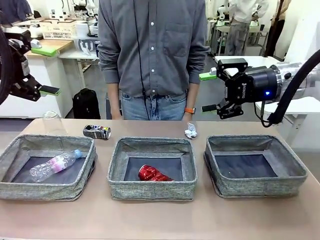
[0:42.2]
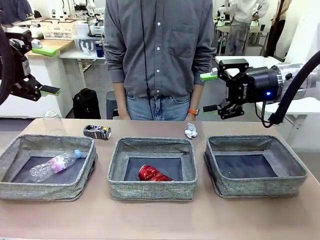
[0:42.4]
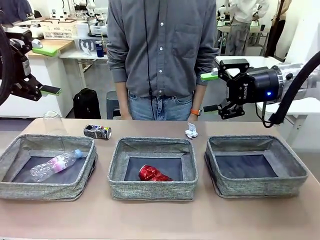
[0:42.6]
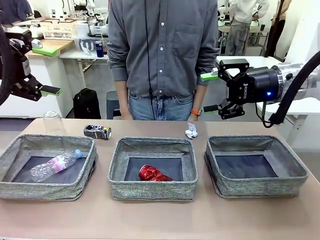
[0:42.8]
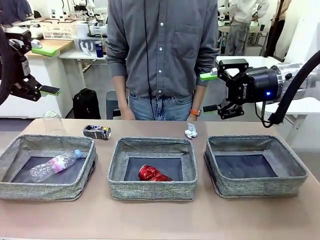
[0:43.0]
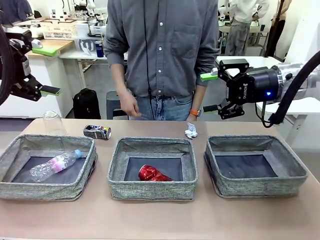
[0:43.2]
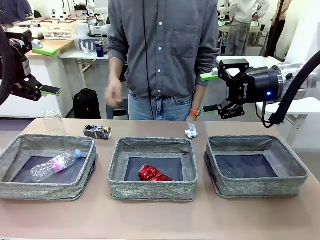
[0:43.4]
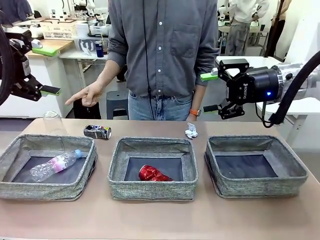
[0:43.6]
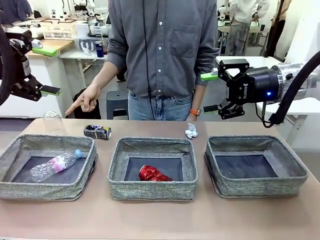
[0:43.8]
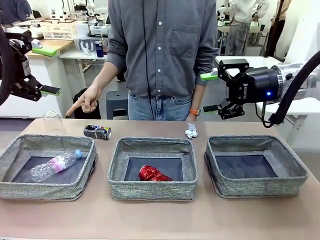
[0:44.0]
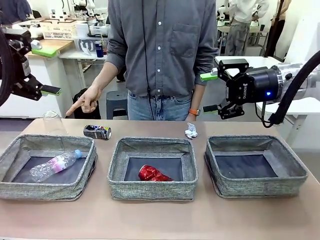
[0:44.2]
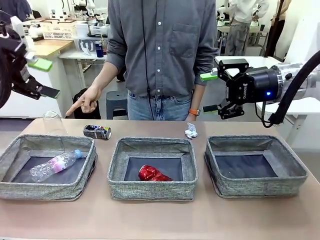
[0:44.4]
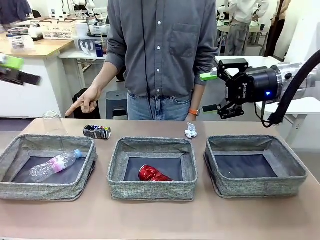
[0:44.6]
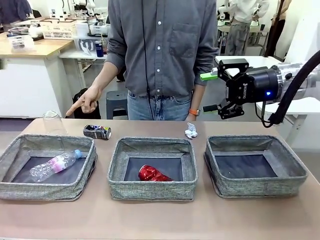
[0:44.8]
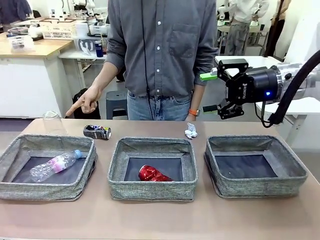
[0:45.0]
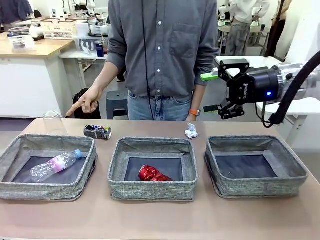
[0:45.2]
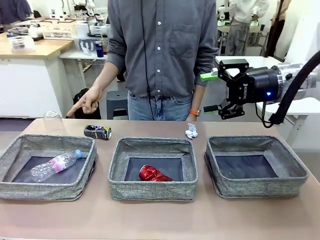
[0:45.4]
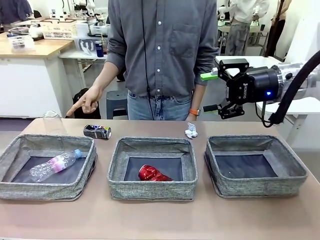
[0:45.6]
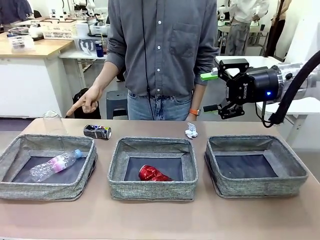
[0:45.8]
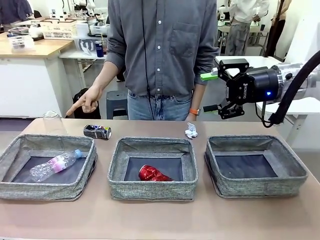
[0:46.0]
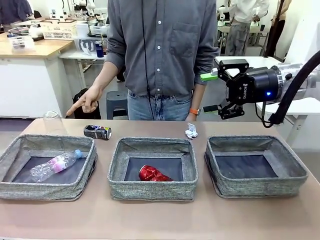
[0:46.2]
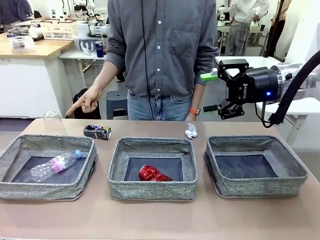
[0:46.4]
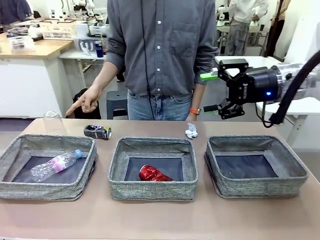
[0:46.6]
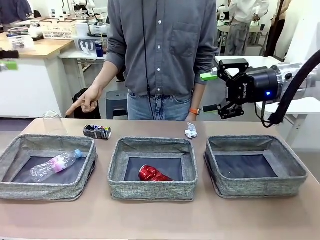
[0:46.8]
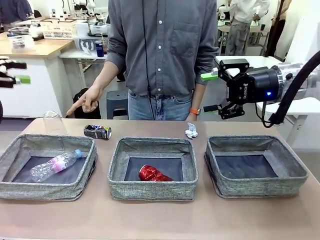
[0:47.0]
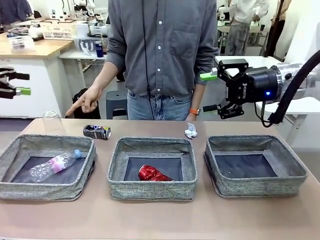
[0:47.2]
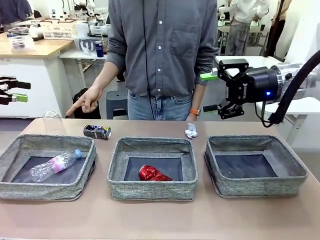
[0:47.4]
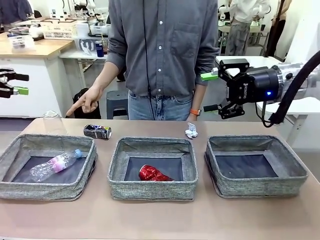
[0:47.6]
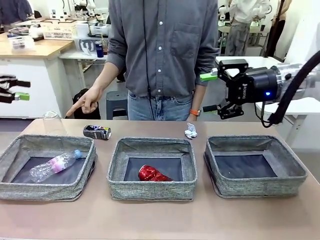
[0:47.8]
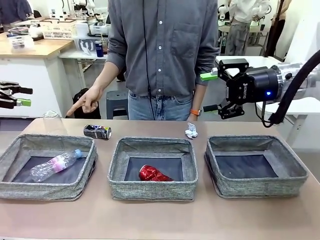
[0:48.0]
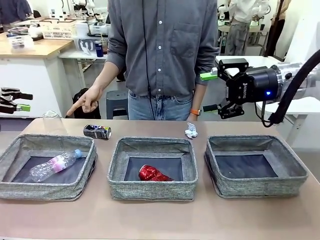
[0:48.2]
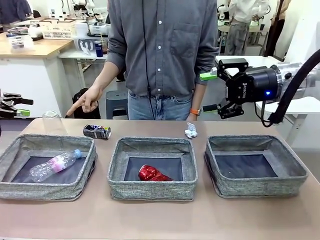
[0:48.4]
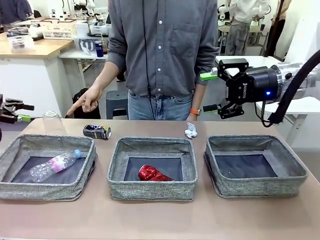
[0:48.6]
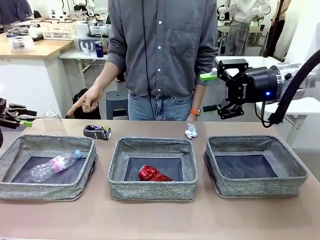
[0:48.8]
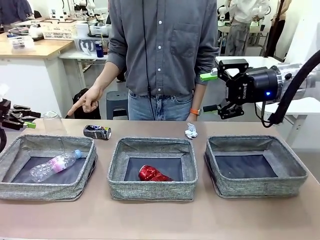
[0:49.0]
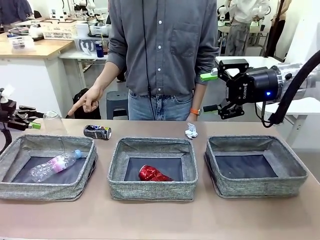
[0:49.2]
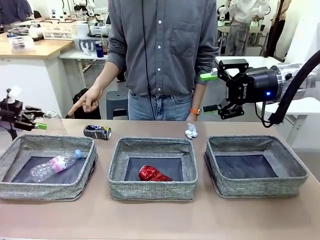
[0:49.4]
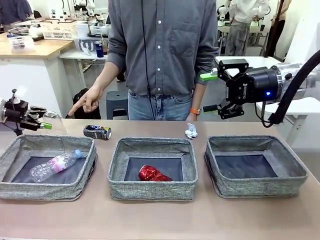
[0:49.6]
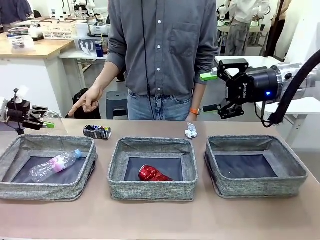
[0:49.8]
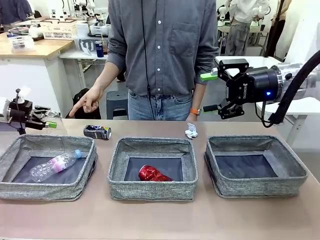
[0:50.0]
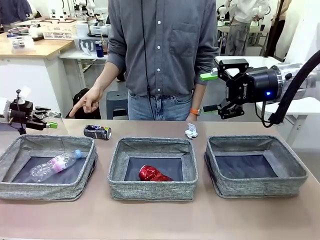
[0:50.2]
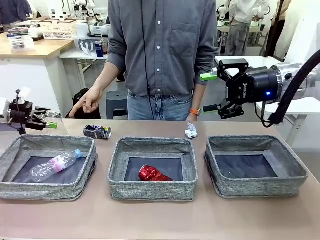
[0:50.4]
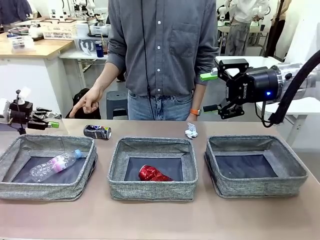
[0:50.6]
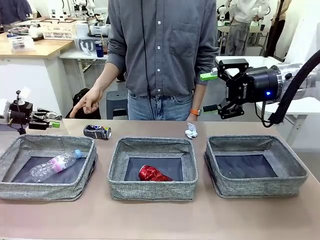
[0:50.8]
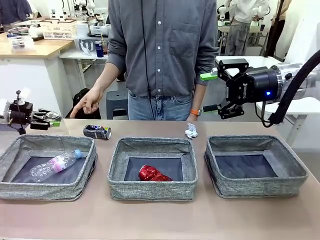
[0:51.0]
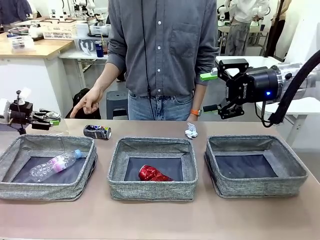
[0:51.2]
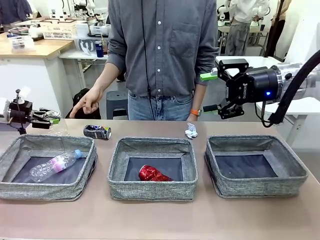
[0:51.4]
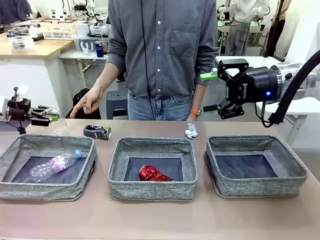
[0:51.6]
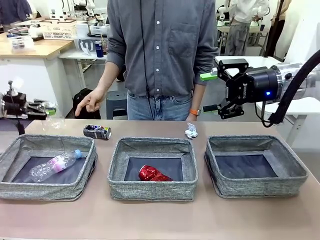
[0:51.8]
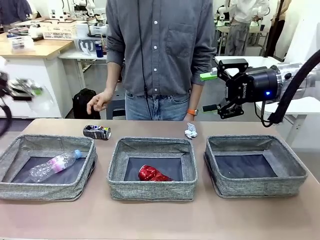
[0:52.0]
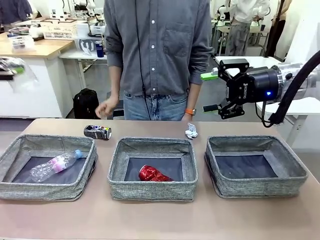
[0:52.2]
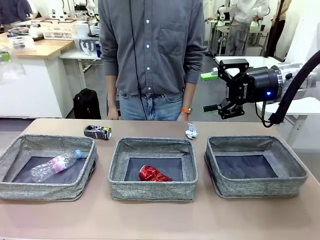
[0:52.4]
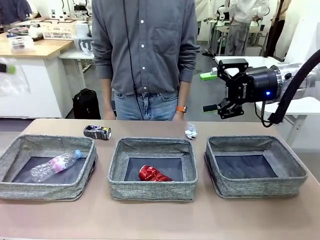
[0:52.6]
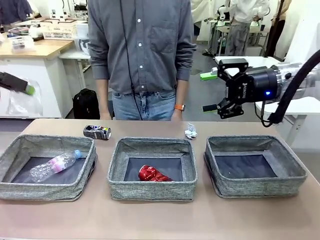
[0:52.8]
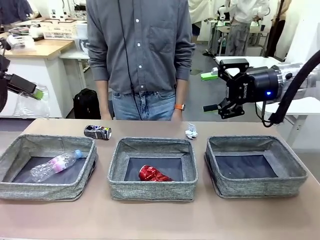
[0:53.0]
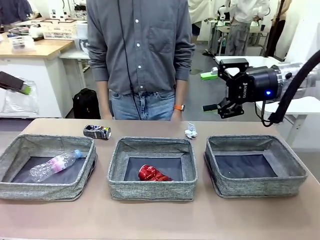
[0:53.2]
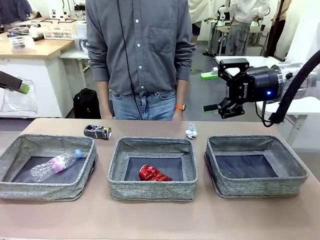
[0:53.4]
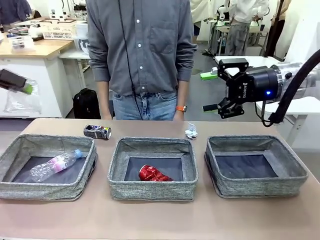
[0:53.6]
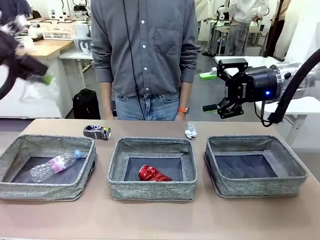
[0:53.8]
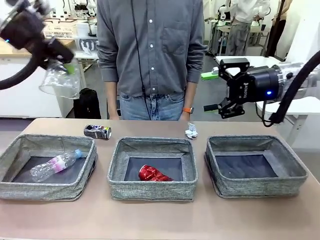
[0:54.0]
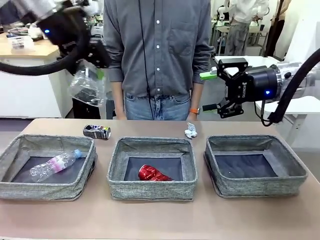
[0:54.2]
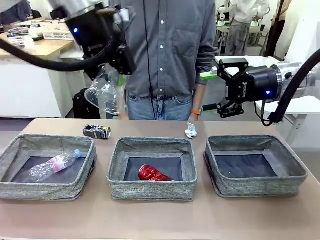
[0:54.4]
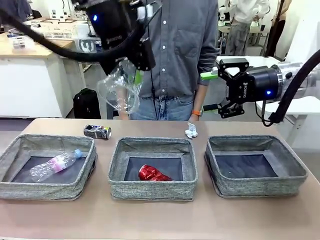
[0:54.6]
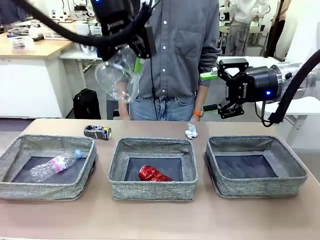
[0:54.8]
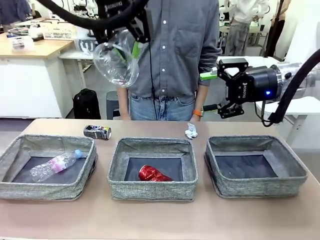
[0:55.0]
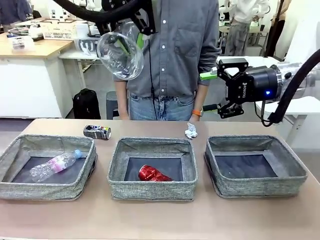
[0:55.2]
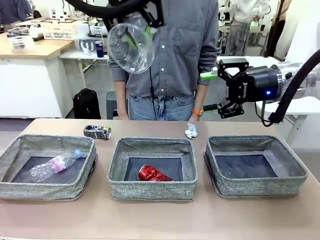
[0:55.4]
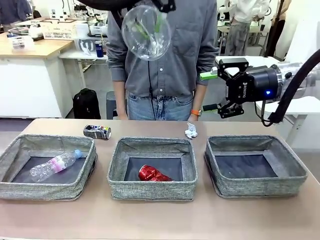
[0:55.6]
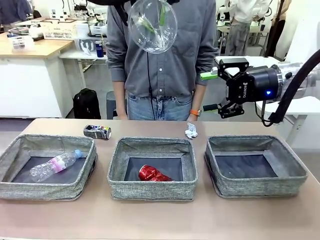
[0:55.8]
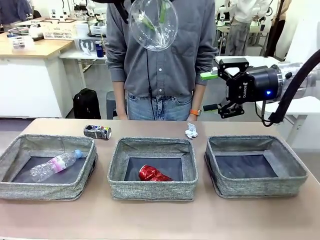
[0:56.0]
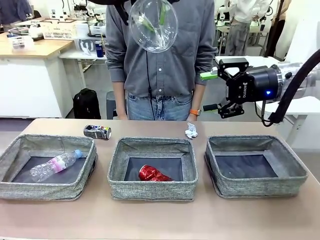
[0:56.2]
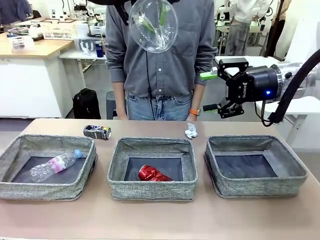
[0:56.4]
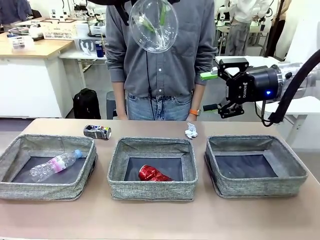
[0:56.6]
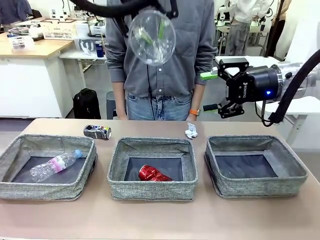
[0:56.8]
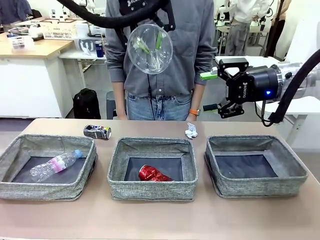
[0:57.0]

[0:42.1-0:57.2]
Task: Sort the waste into the appropriate baskets.
Robot: Pick up the waste item pointed out by the person.
Person: Points to one piece of trash on the table.

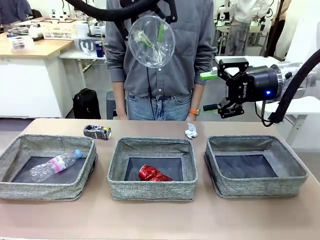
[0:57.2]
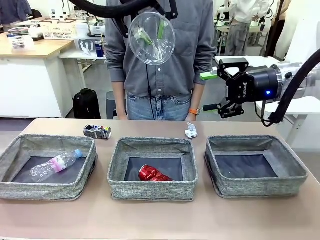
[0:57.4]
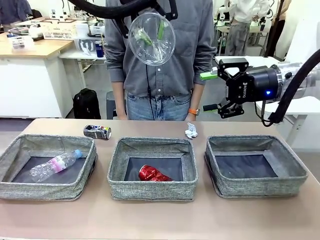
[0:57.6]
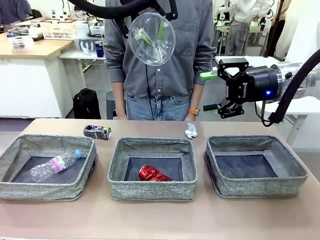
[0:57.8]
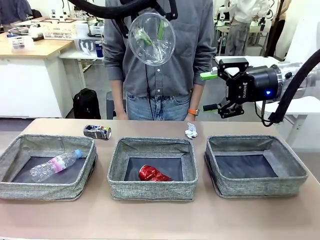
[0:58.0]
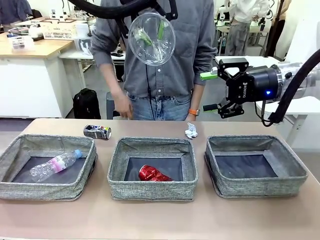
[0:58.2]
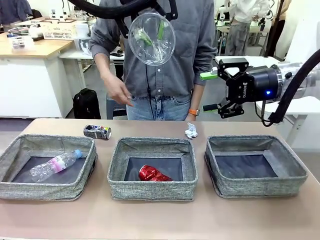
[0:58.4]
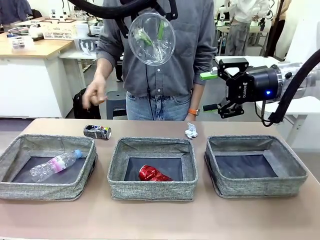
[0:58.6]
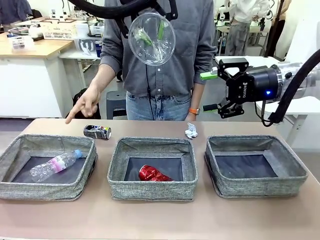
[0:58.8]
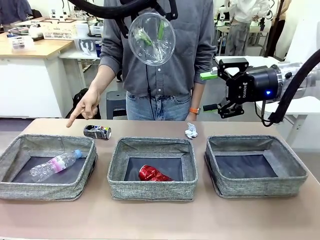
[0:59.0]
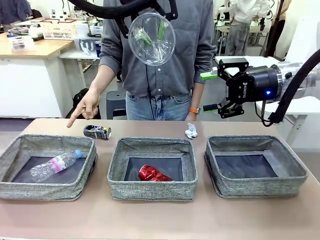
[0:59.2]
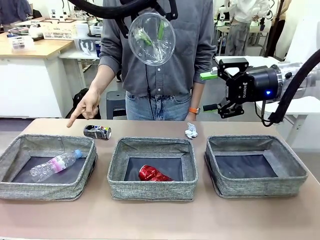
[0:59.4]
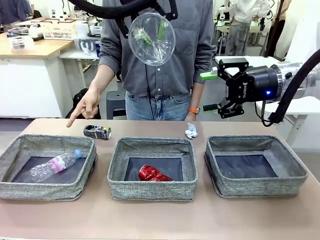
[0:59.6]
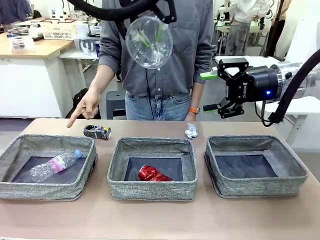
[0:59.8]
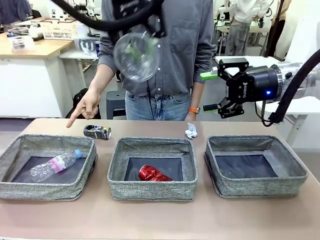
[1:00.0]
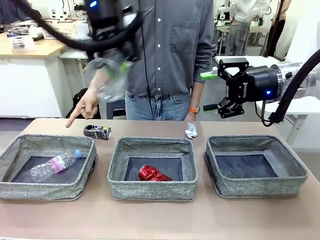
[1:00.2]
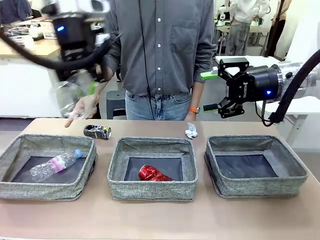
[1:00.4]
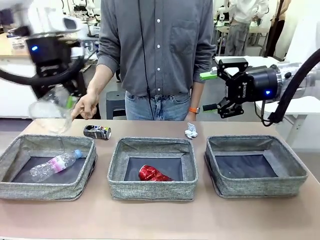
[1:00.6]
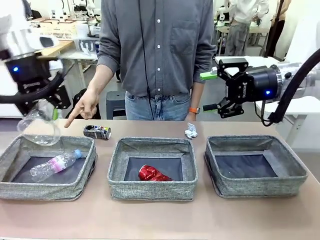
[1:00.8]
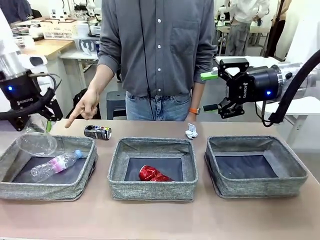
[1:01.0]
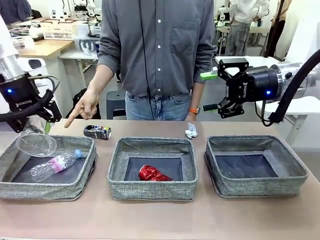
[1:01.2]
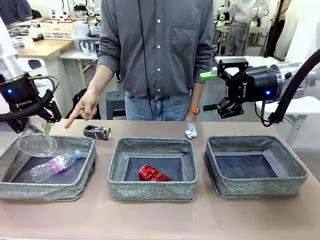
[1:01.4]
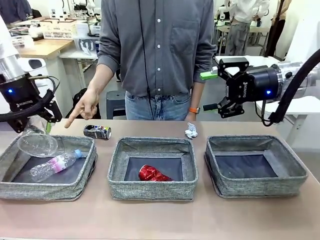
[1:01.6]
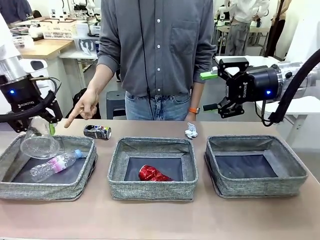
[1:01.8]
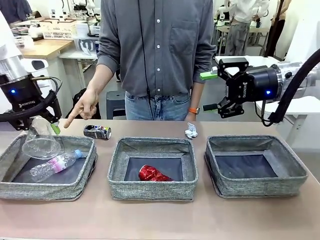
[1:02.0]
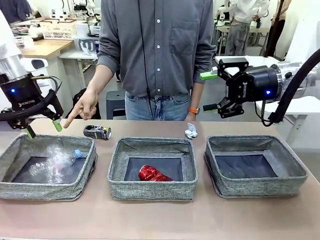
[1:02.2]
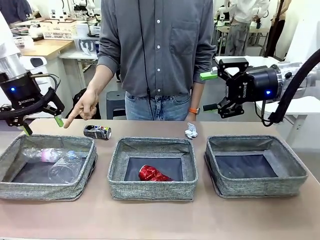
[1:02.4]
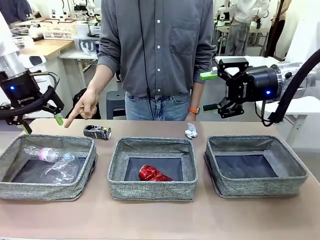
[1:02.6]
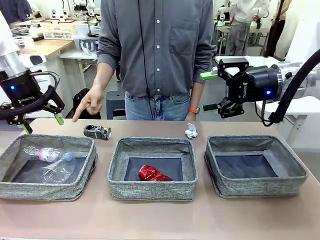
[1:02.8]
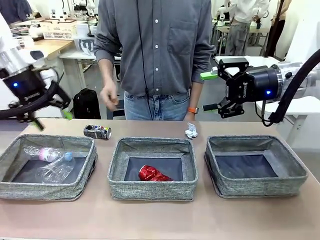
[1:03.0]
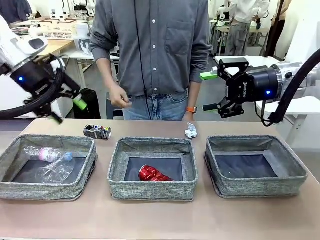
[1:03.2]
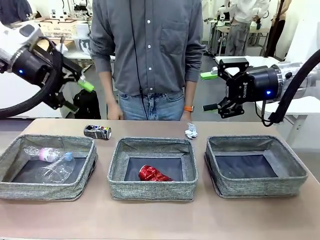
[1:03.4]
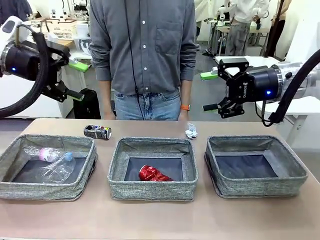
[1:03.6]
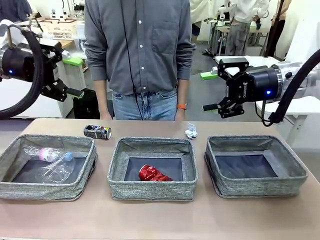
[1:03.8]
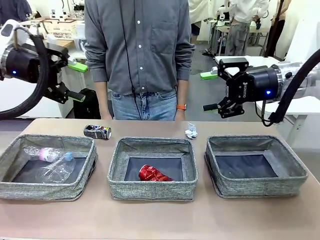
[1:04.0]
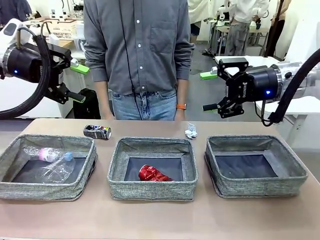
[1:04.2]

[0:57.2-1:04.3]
Robot: Place the picked waste into the Fabric basket indicated by the person.
Person: Instructs the robot to place the picked-up trash into the appropriate organizing basket.
